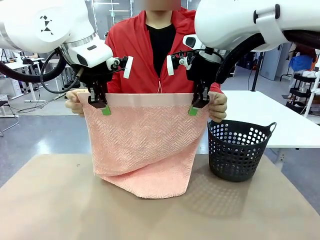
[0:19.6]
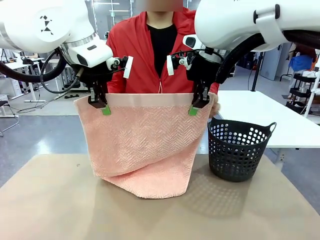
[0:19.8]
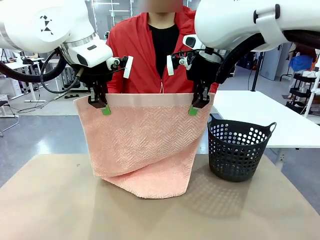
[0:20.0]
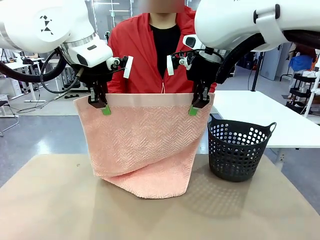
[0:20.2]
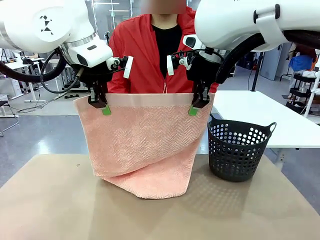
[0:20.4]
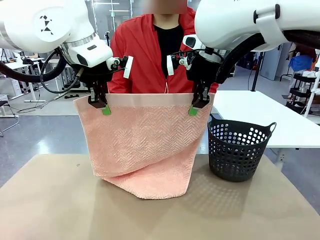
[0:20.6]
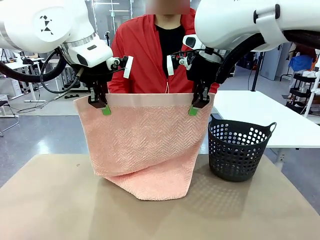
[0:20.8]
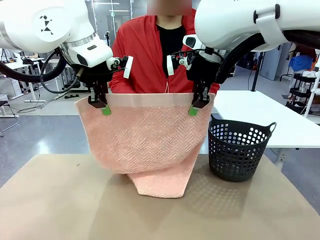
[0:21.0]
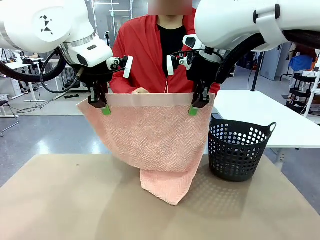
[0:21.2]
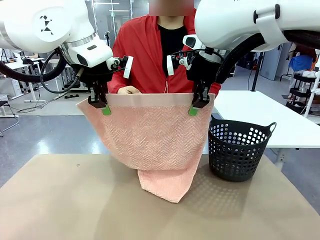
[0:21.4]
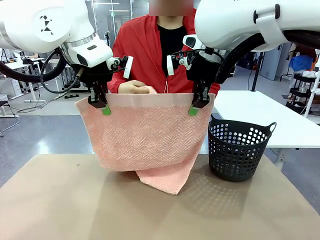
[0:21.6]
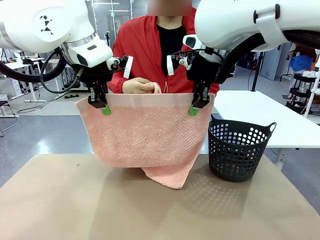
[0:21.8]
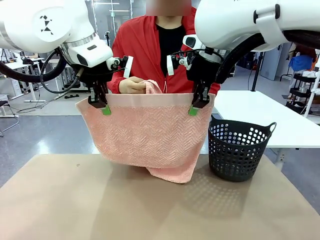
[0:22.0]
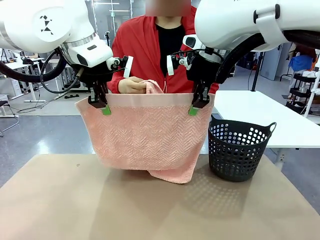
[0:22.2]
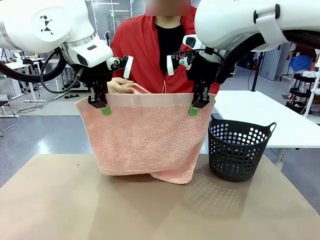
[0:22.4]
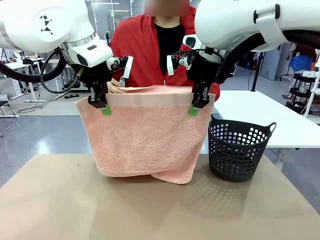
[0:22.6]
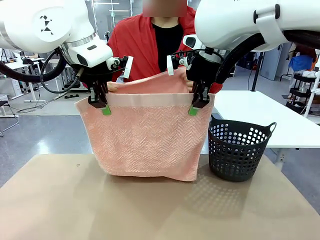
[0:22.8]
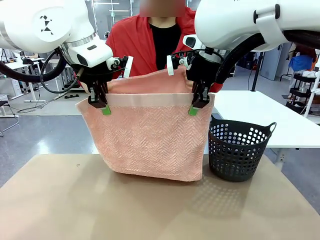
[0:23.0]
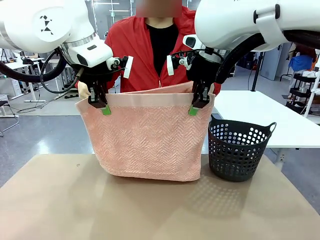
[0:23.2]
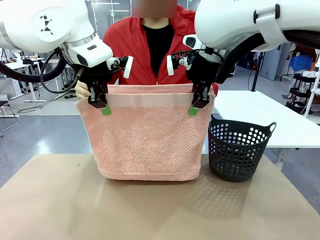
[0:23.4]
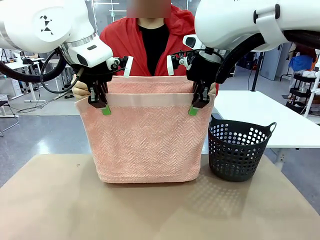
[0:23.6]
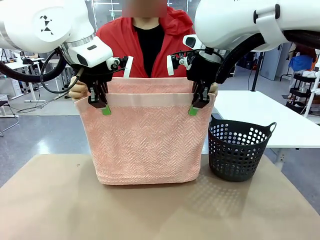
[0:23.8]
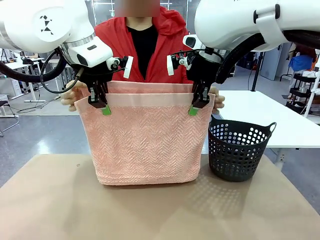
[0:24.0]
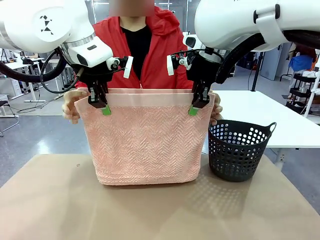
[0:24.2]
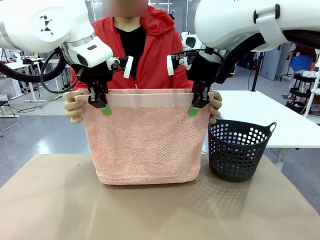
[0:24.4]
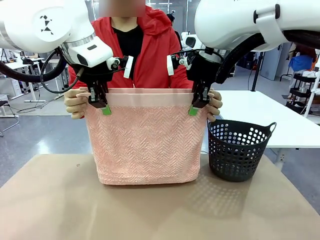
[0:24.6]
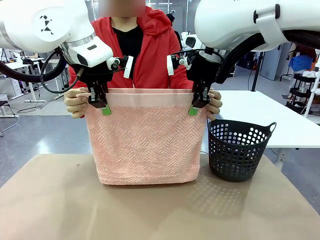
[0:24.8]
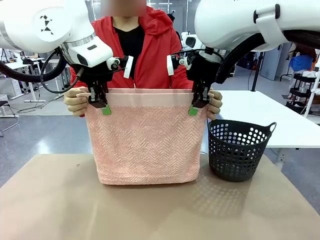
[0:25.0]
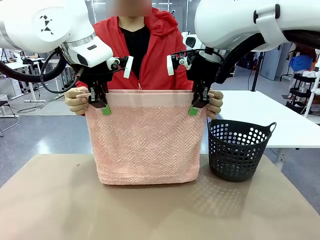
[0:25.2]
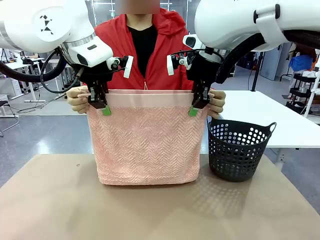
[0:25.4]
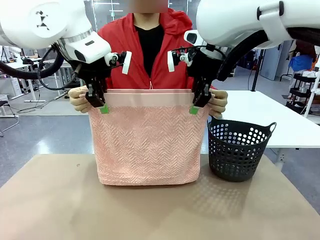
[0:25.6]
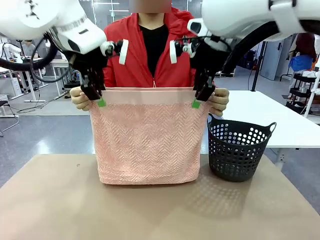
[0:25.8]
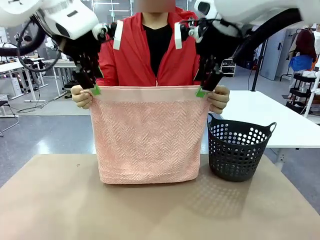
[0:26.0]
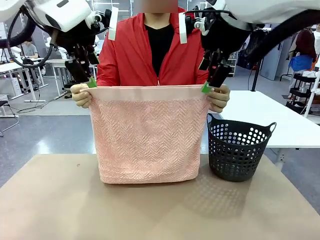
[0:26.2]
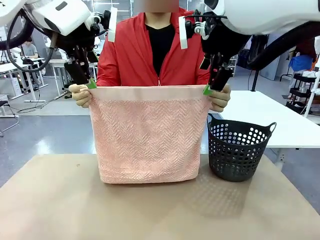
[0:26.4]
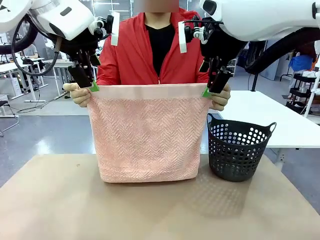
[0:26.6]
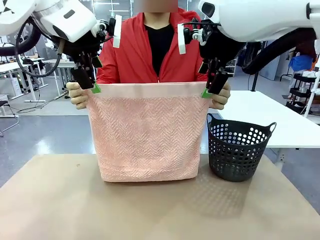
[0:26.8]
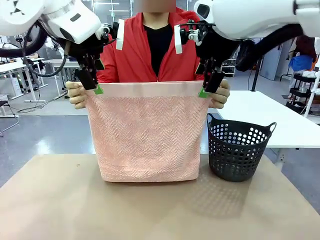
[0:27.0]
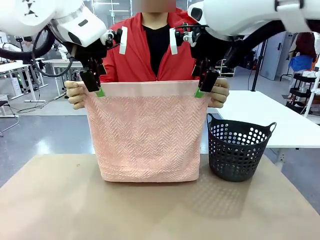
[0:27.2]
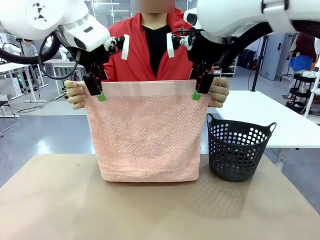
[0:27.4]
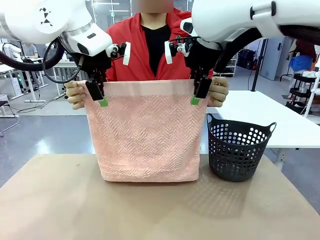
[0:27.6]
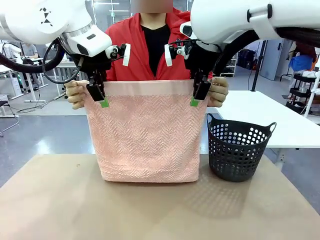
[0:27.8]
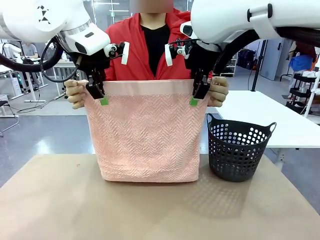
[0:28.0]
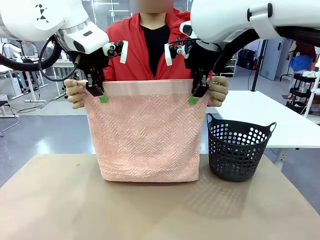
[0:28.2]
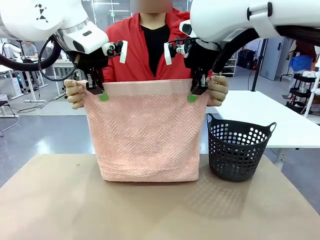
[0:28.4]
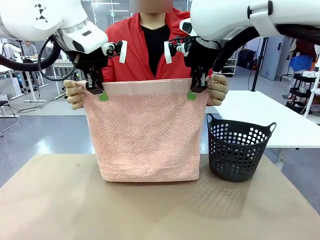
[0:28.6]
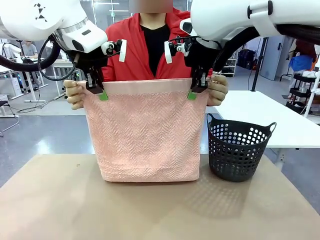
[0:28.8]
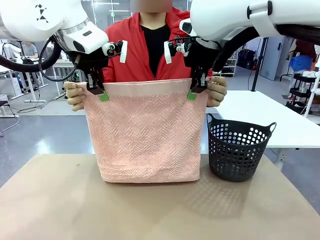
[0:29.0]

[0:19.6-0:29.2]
Task: Fold the towel.
Robot: Release the end of the 100 cm Hotel Towel you were holding and grab the top end of the folded side.

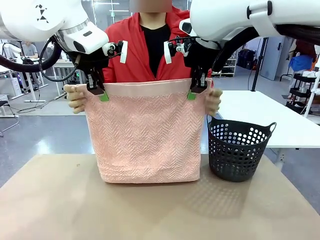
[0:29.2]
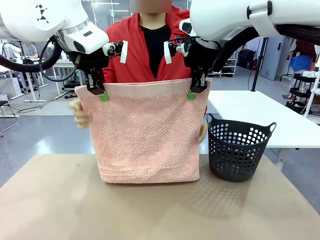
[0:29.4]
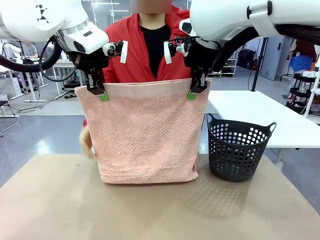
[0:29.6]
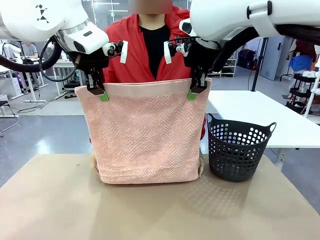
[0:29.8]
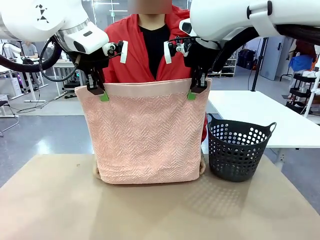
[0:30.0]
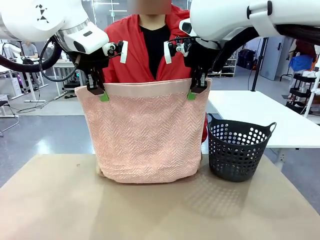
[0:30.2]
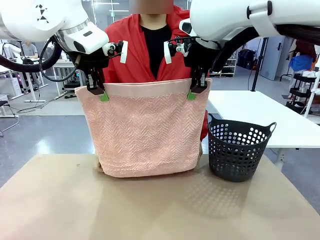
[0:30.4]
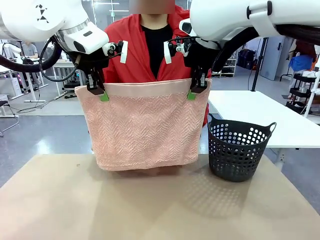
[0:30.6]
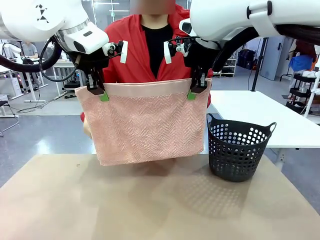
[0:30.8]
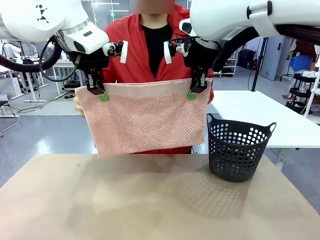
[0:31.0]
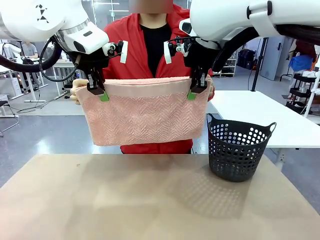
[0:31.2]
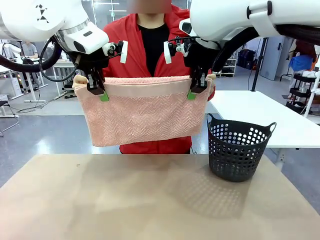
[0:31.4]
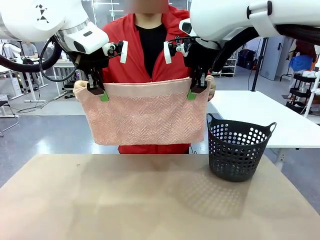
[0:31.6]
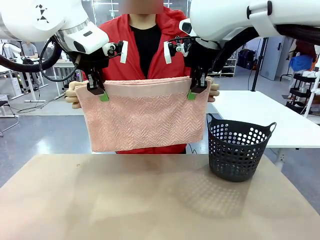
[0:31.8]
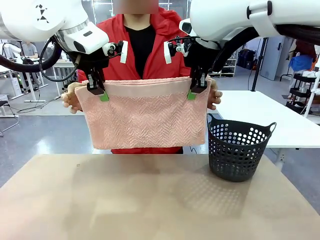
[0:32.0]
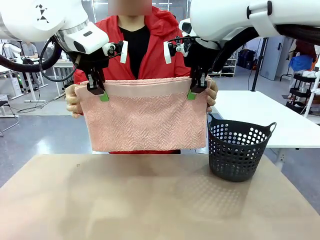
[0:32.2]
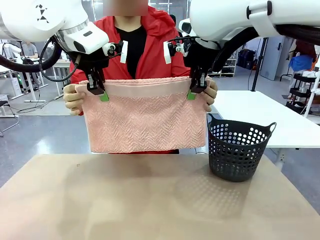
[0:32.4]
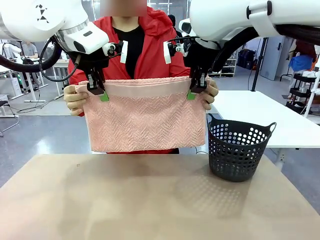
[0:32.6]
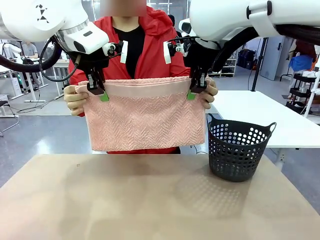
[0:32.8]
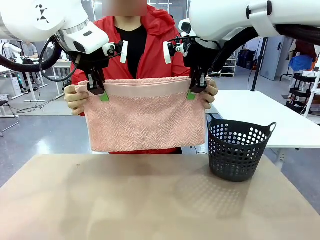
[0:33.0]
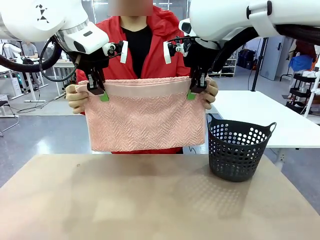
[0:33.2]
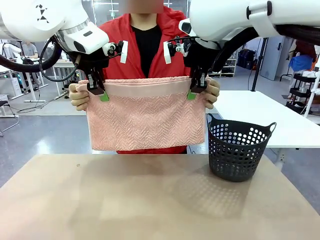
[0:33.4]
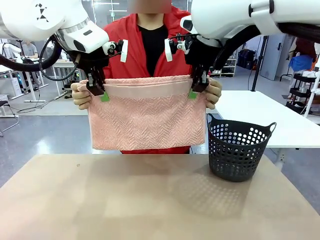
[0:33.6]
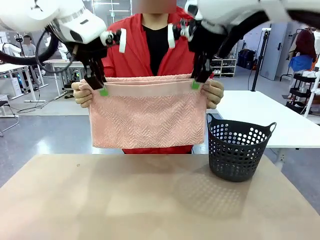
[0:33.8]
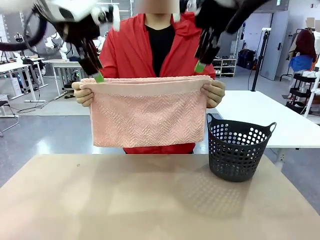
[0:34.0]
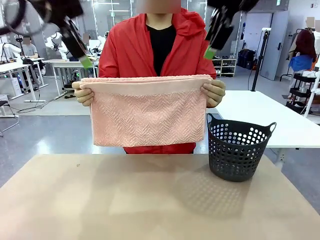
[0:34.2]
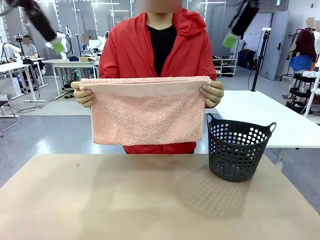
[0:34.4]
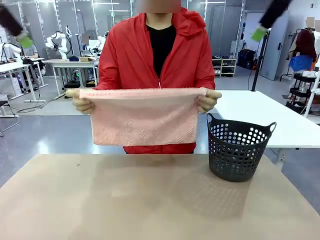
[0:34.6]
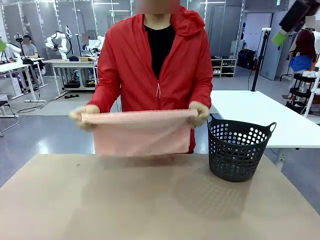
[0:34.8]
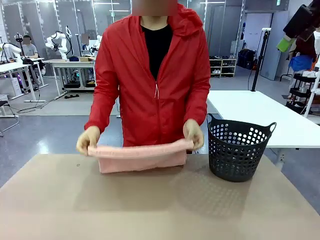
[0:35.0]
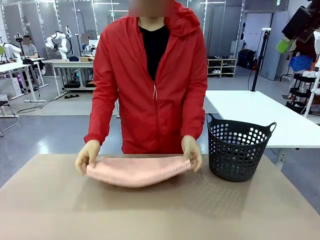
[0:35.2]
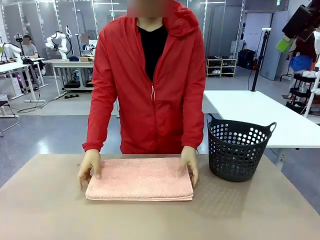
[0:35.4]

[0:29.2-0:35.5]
Robot: Release the end of the 100 cm Hotel Towel you were holding.
